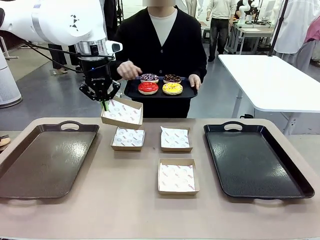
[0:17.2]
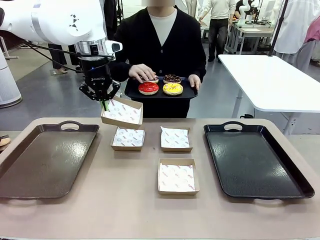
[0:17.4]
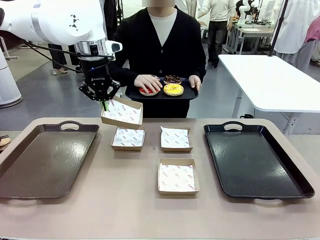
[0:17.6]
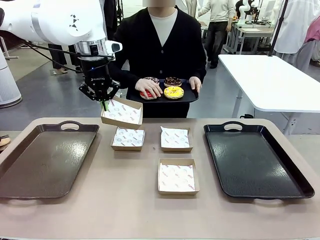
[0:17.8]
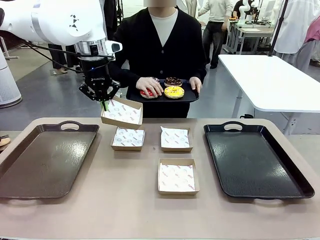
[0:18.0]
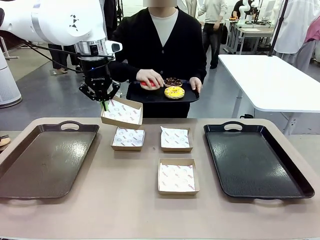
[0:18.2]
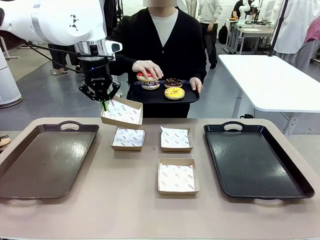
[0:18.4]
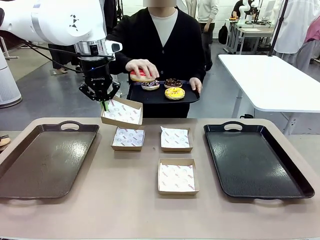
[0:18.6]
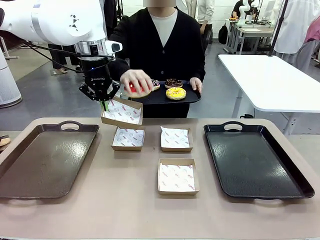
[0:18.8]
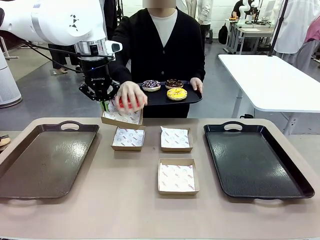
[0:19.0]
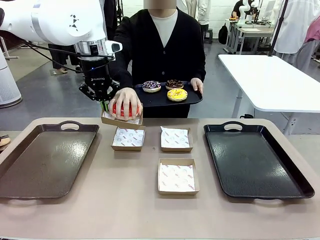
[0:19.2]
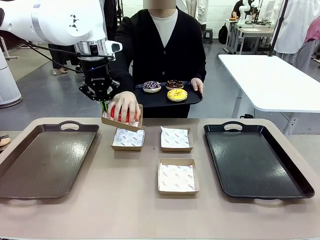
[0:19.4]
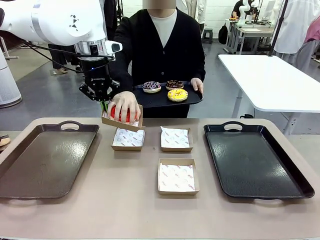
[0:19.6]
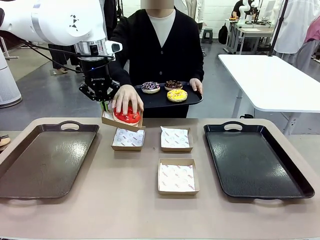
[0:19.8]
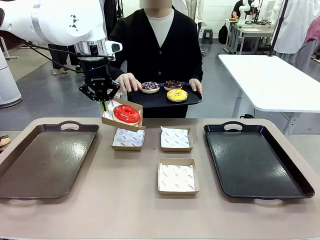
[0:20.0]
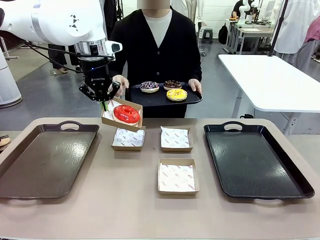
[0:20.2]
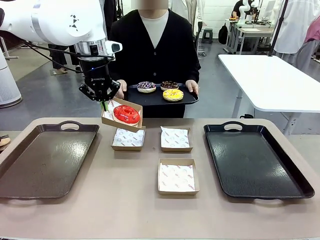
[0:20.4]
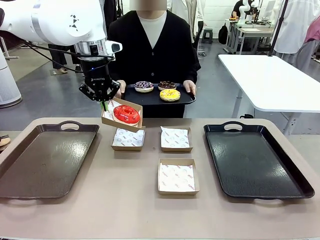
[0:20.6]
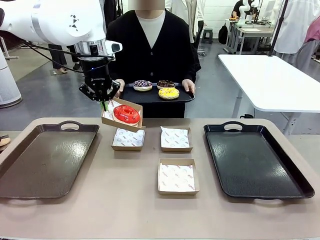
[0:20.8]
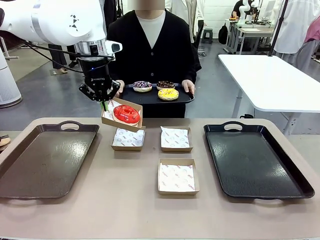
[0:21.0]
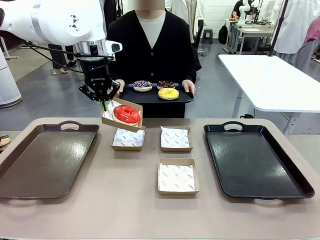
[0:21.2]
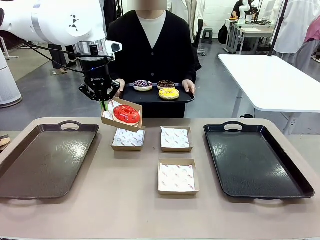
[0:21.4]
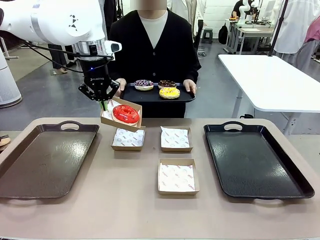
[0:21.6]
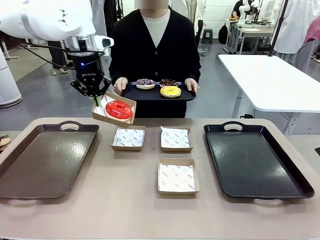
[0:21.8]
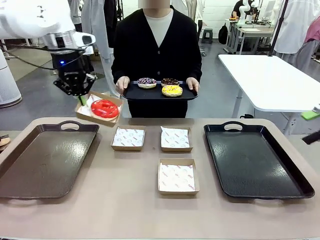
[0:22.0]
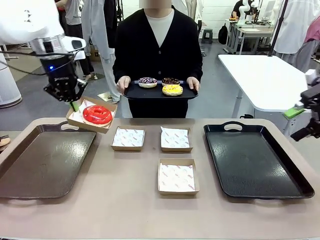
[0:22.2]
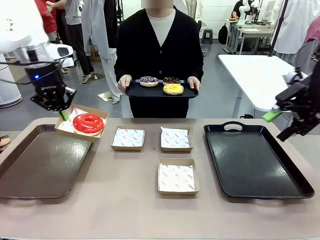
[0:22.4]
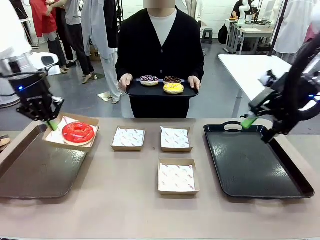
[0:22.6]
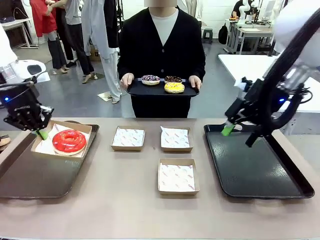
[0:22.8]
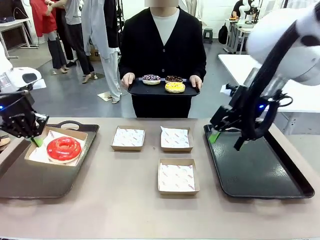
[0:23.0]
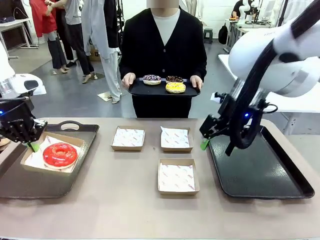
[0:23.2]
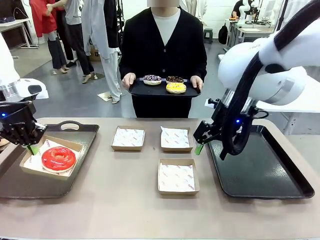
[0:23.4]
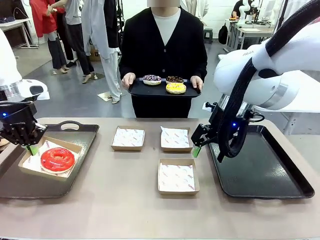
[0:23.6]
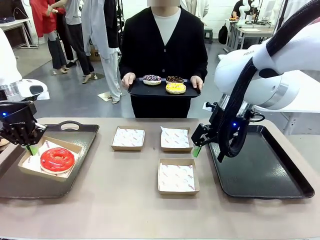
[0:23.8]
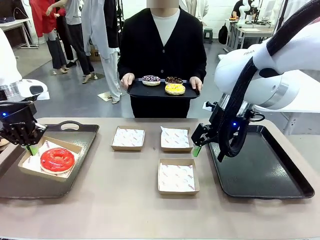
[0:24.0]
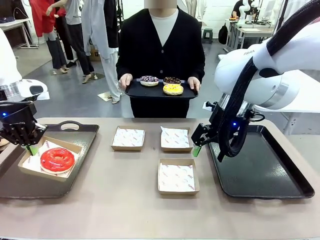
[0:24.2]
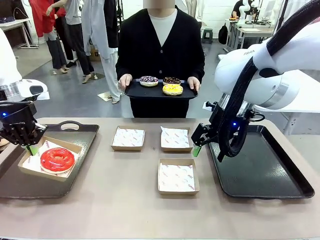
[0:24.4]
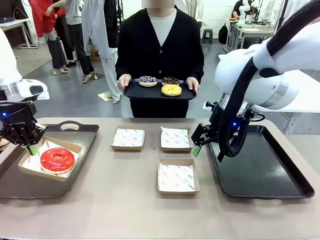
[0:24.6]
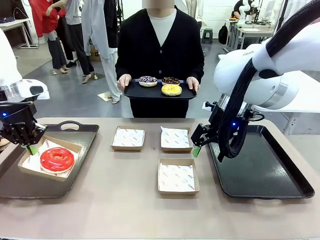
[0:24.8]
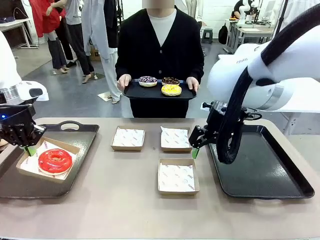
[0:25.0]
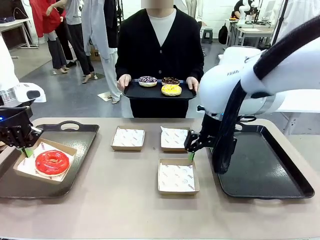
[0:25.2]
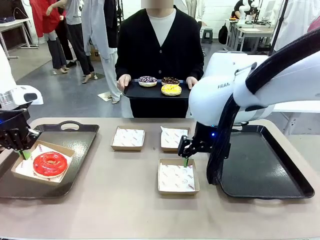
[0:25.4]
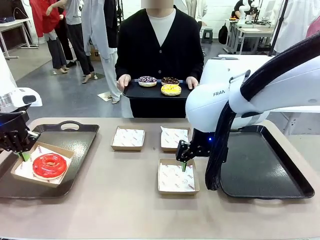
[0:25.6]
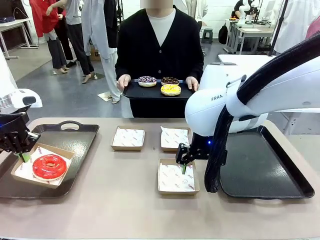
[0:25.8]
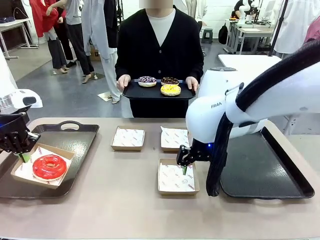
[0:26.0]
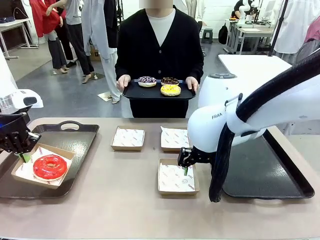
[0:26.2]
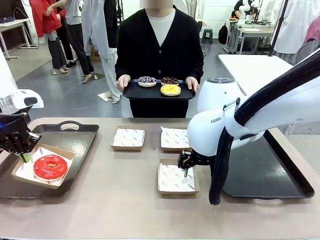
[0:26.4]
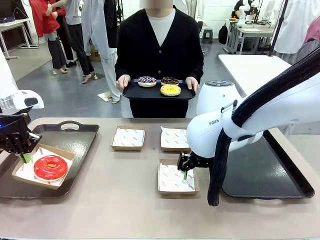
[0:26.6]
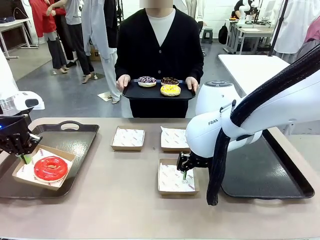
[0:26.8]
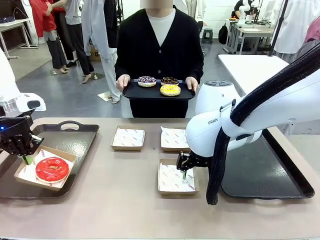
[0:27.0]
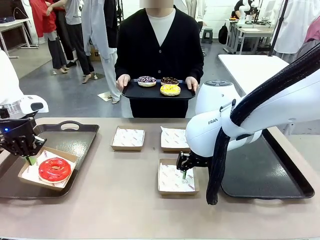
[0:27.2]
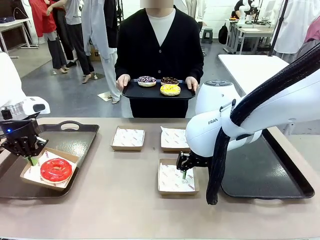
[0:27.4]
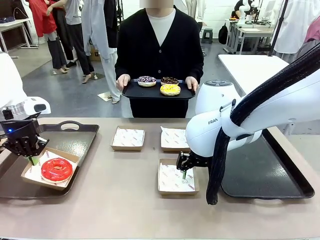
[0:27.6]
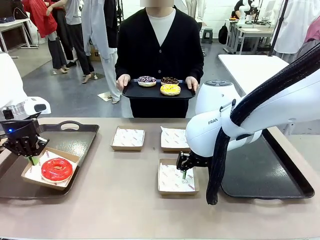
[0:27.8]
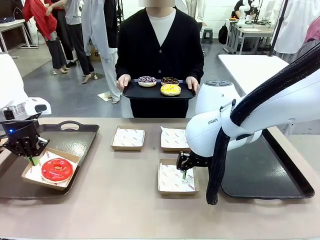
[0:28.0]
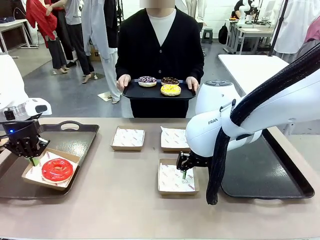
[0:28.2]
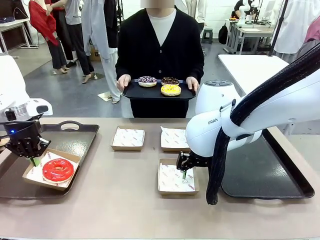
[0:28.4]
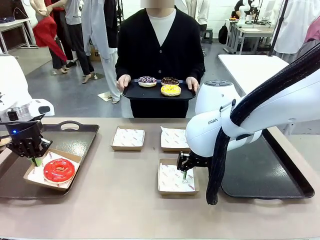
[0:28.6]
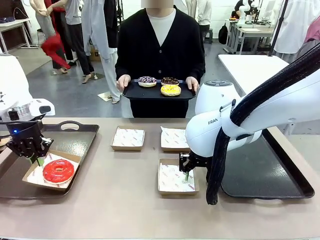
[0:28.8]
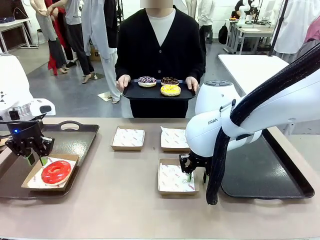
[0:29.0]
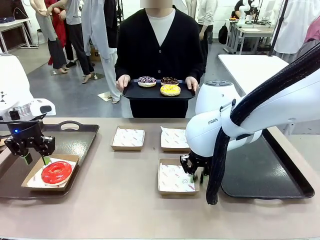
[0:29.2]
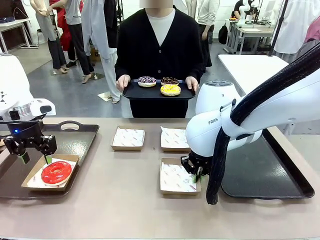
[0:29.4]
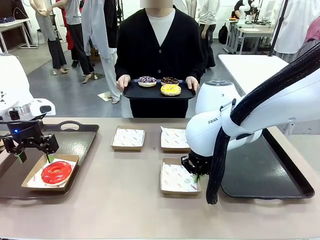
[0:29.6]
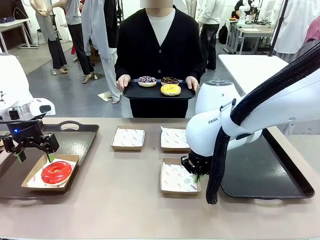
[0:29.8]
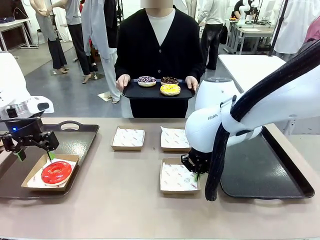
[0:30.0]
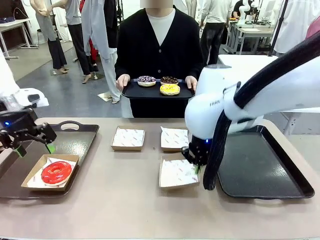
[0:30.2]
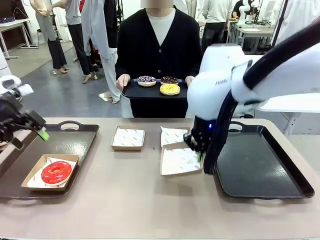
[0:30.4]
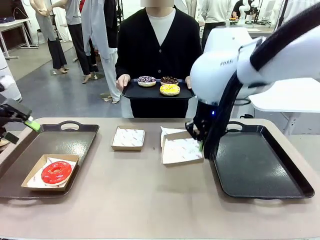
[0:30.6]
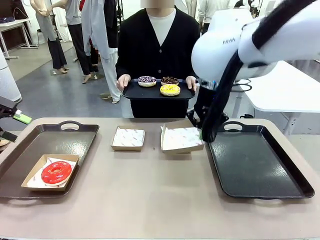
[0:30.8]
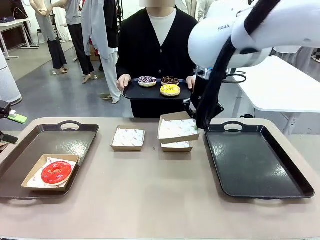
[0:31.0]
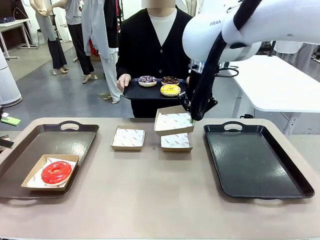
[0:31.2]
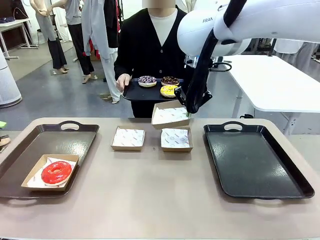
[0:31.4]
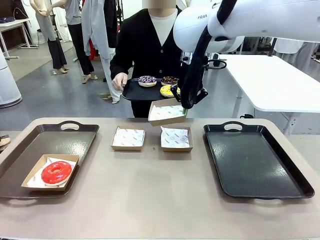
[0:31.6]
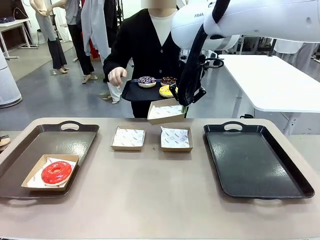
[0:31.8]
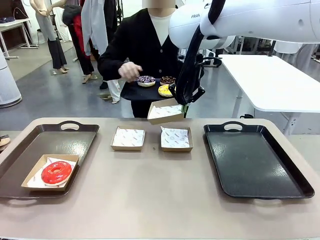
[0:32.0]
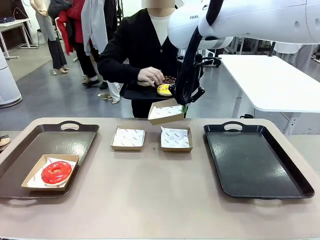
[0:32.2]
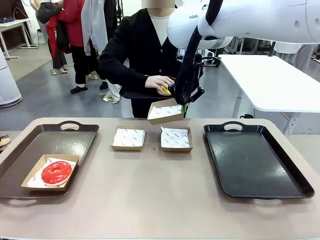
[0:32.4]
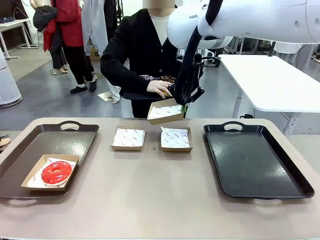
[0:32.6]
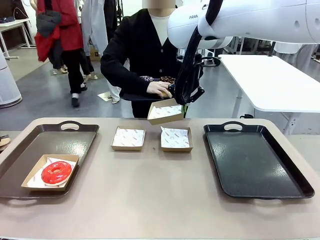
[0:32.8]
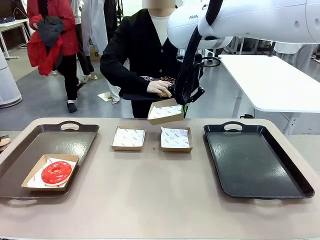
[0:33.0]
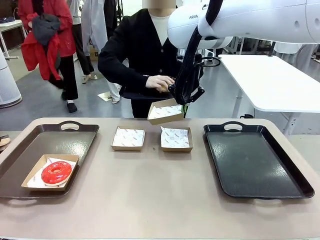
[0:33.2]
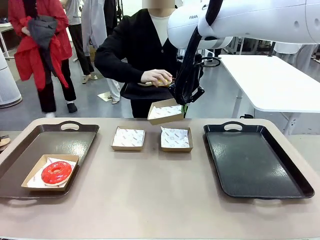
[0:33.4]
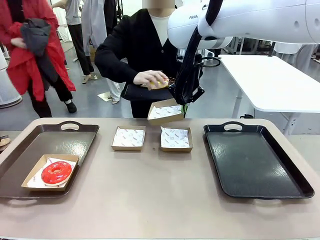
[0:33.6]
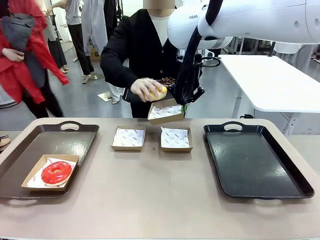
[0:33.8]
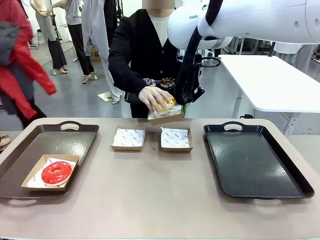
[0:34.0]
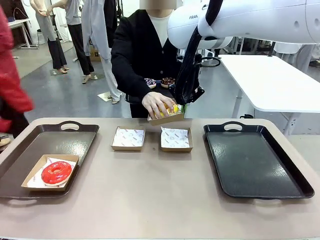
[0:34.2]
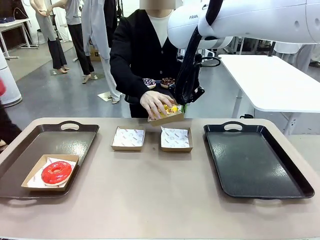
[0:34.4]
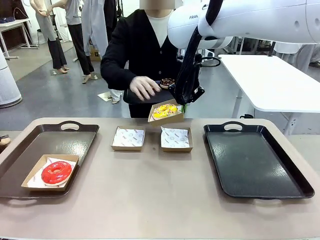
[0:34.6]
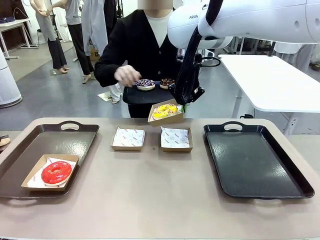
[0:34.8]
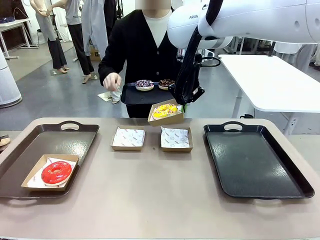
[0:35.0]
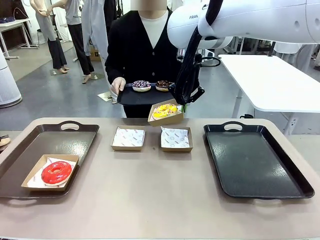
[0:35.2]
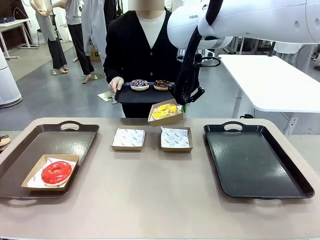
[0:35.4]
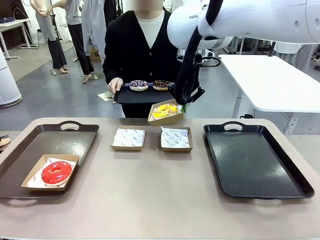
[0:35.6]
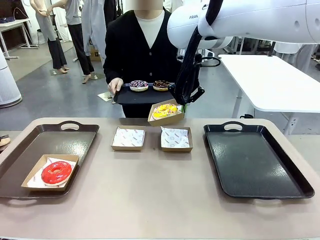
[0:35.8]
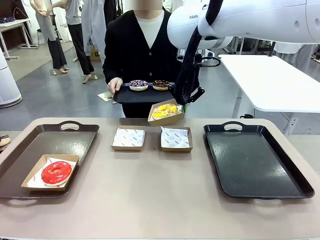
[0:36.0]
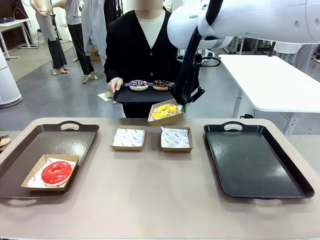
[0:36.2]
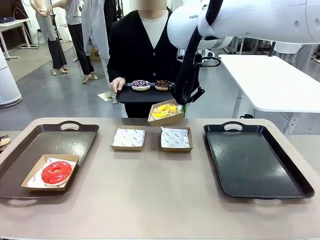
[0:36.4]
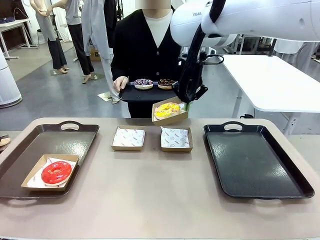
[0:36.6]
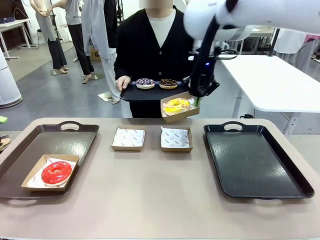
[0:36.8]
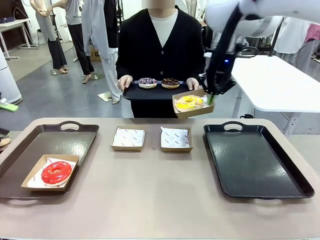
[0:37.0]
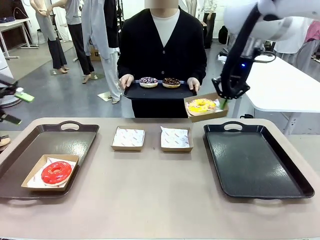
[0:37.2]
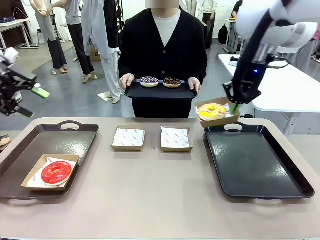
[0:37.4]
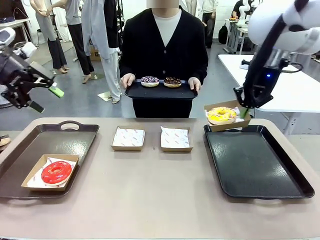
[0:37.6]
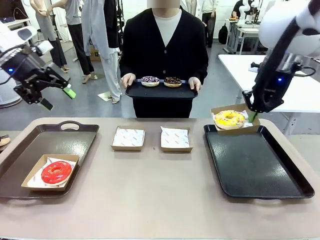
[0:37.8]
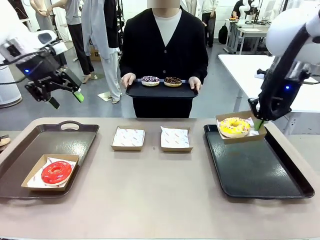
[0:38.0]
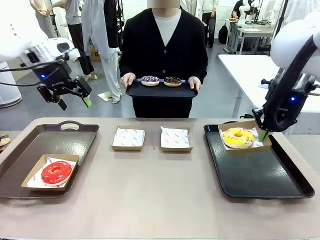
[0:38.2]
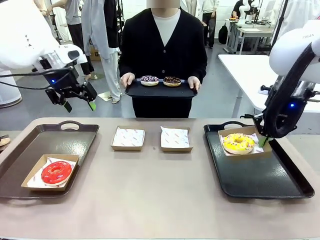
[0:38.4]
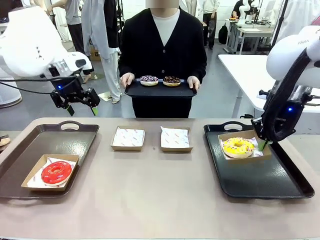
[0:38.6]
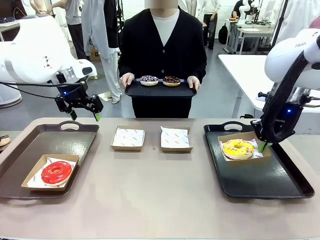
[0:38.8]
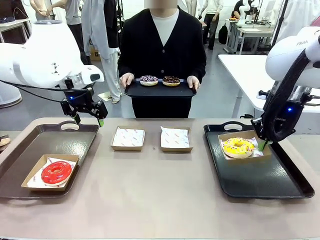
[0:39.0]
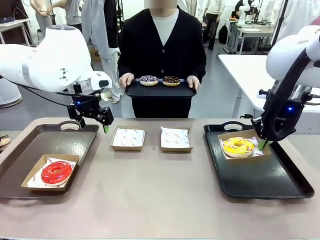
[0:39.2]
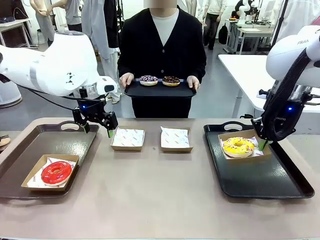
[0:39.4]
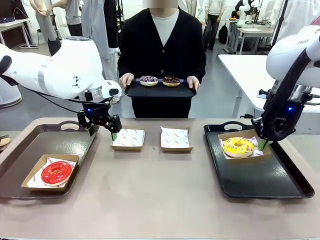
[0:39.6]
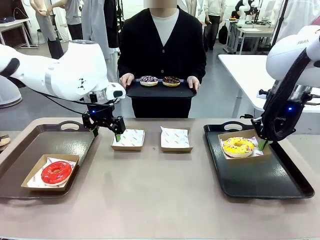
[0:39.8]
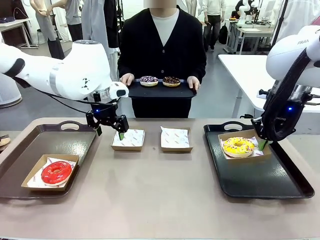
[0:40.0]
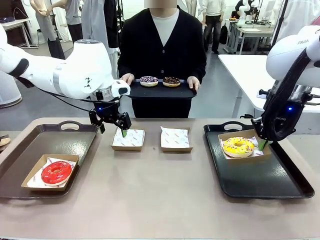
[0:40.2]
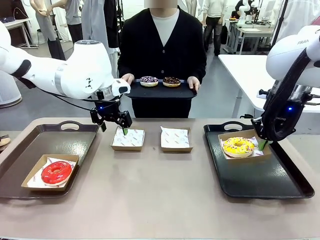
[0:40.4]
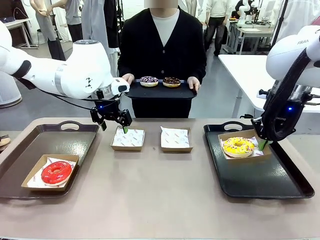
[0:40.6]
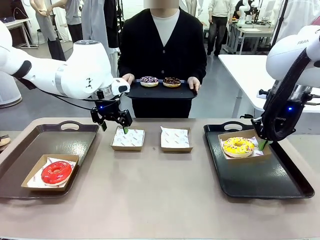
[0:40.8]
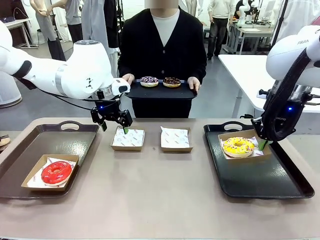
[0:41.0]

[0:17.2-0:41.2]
Task: Individually package the donuts and arrange them on the tray.
Robot: Place the picked Paper togo box on the Handle tray while simultaneously picking up another Paper togo box from the table with the other hand.
